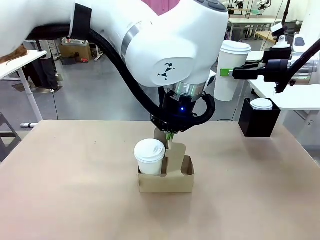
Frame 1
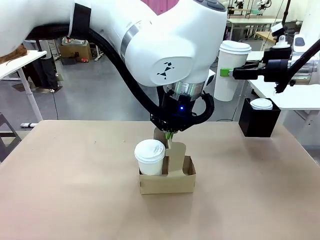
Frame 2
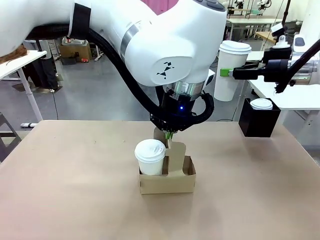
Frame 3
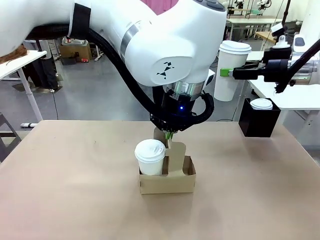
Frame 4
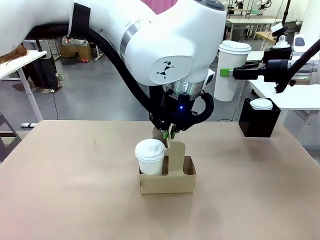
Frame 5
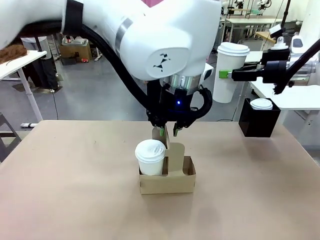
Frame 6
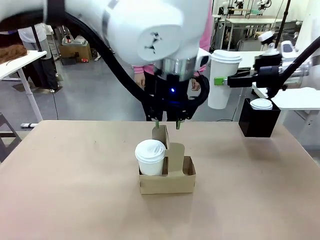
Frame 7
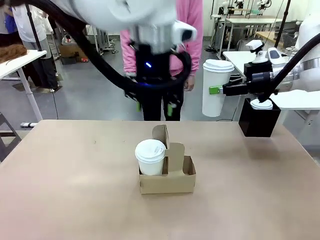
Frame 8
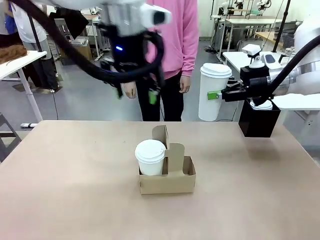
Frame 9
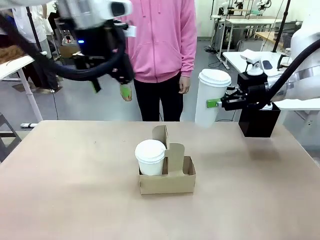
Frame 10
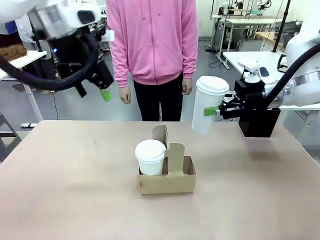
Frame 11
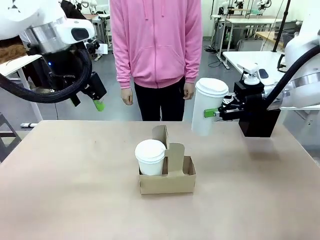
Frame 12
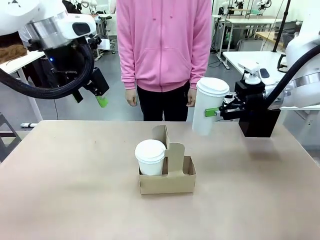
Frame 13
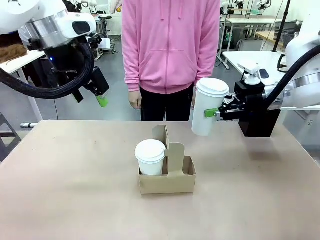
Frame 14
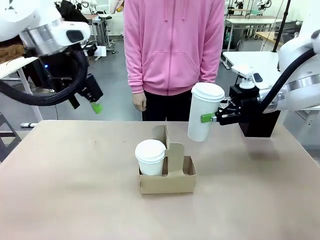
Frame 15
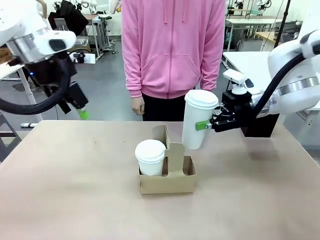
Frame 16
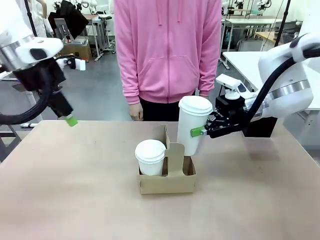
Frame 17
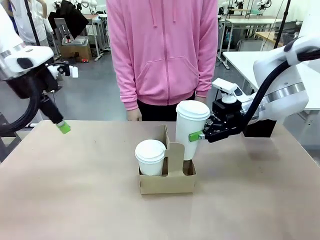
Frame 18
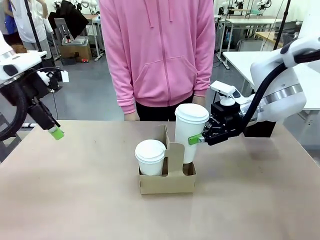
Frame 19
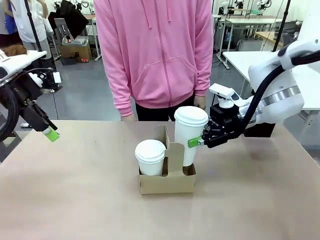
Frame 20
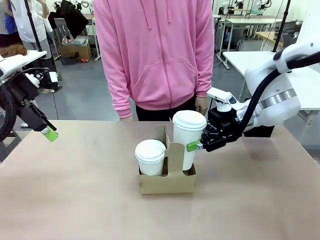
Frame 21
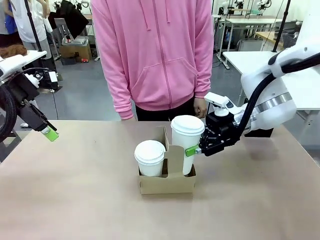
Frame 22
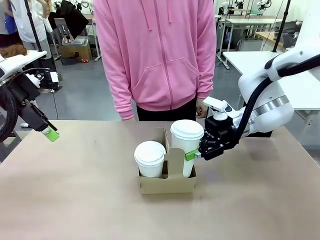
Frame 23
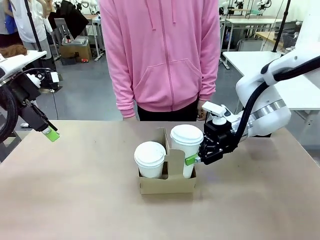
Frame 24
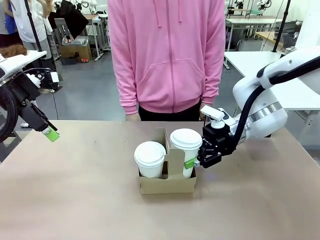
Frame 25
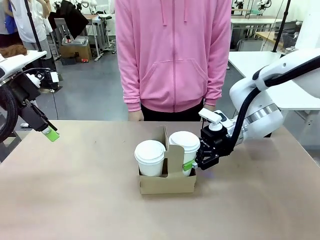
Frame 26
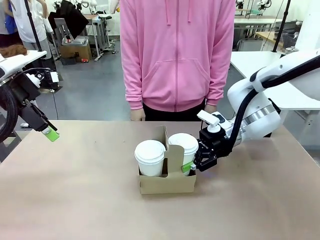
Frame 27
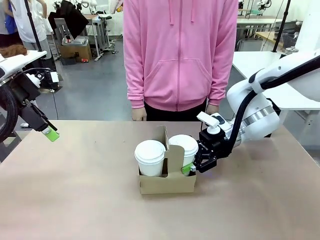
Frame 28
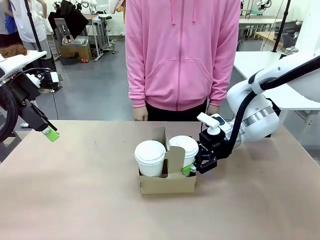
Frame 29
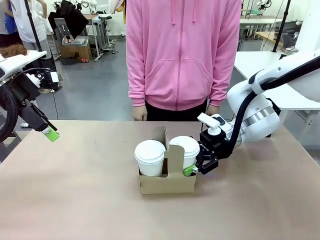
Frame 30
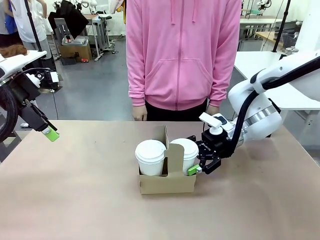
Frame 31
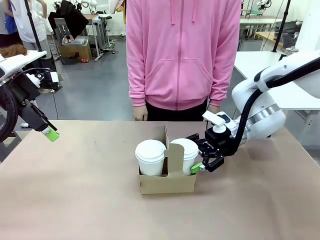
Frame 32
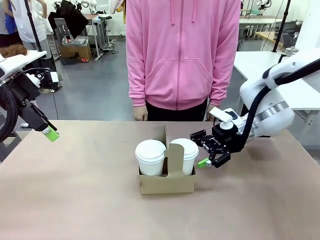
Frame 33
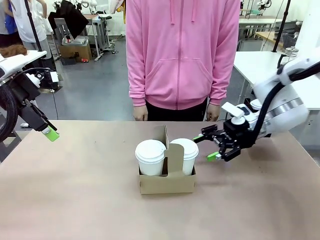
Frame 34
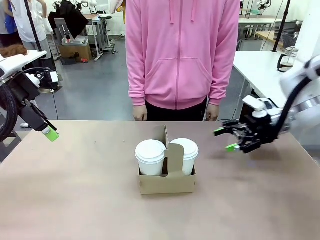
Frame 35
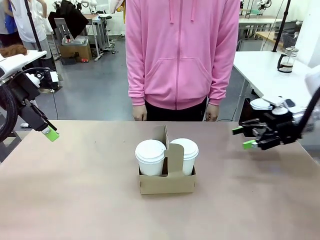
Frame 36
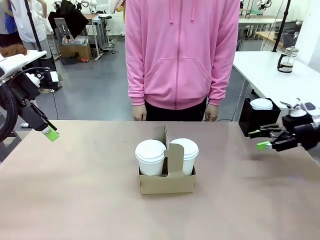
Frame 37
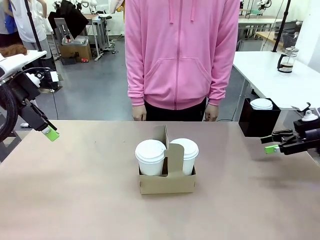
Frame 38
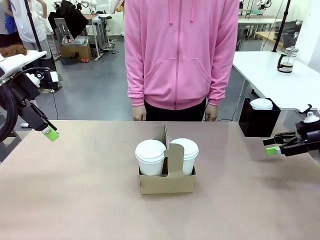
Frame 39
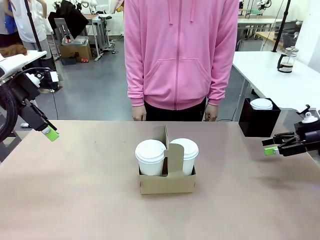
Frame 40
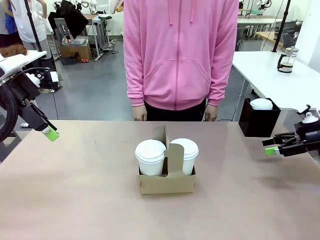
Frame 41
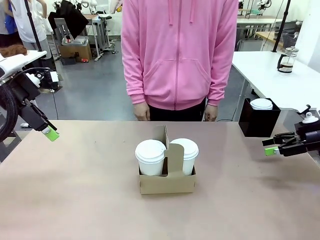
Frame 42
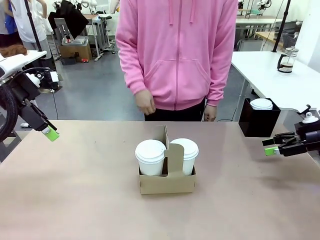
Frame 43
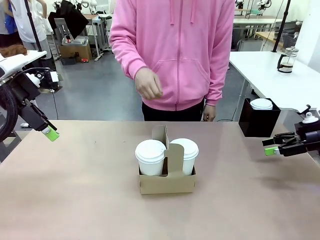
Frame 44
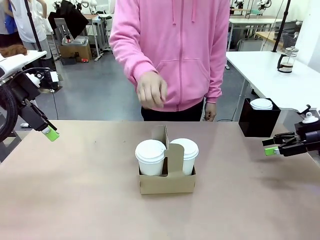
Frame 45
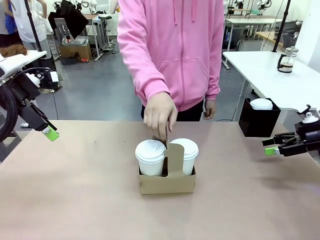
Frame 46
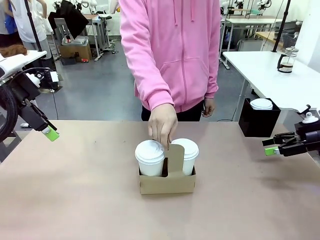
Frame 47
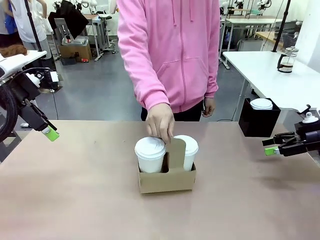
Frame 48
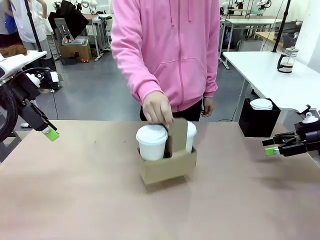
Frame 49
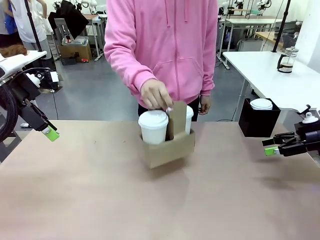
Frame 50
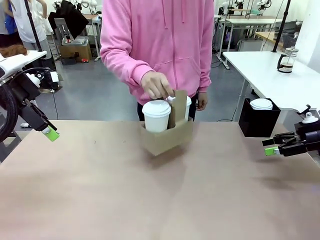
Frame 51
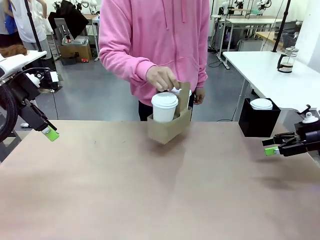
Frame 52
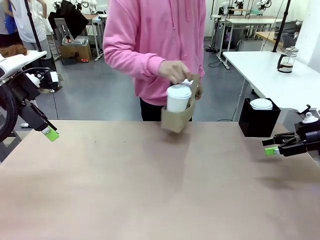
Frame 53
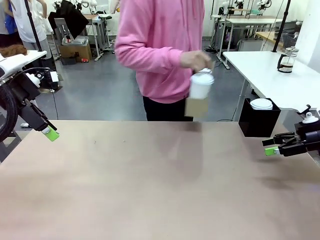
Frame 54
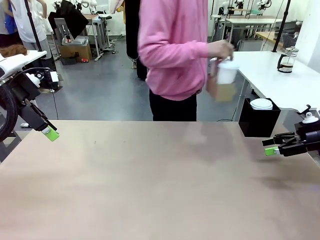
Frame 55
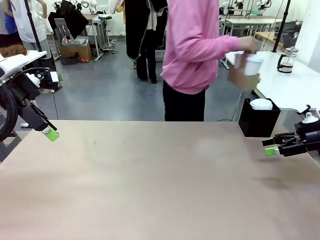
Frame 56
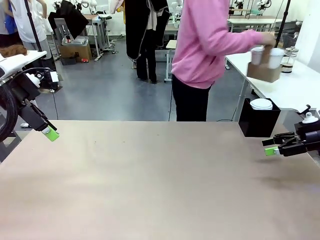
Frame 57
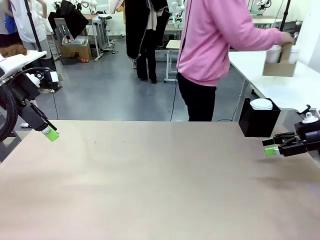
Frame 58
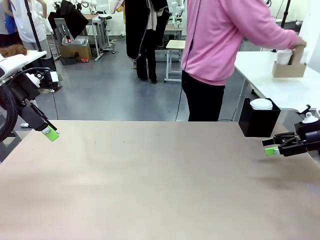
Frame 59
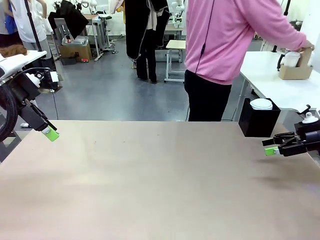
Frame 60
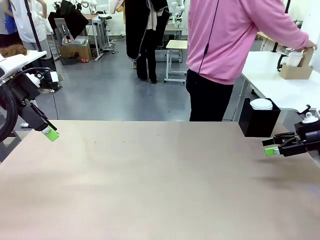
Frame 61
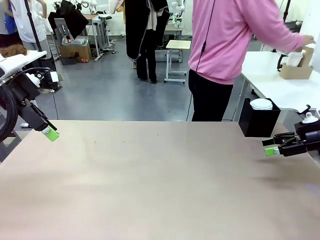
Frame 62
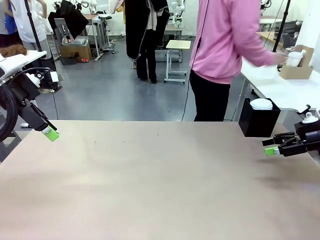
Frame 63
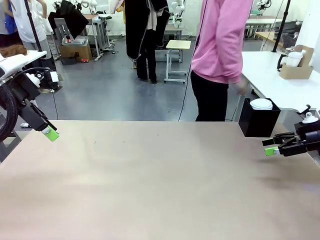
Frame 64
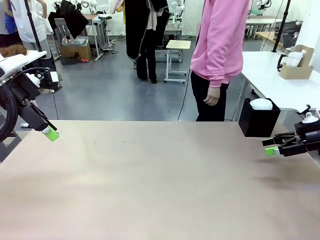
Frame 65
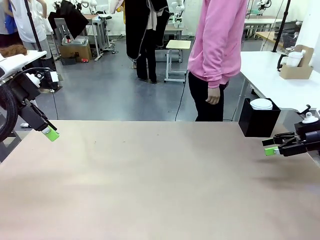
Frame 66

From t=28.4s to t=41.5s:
Task: Pour a drink into a cup and package it in a carrier.
Robot: Insert the held 600 ml Paper Cup into the Cup Carrier.
Person: Place the Cup Carrier to the middle of Human table.

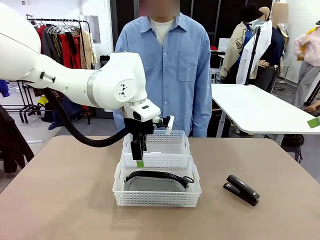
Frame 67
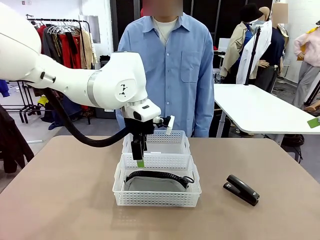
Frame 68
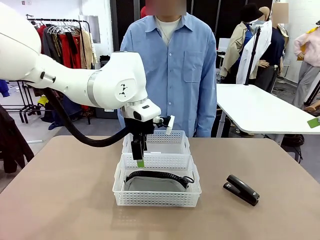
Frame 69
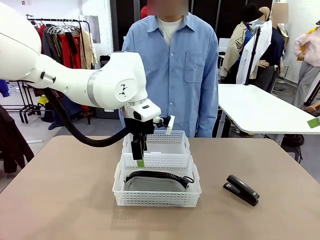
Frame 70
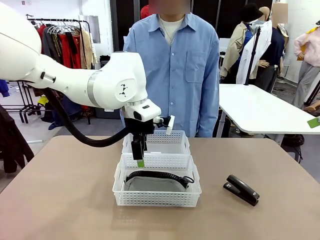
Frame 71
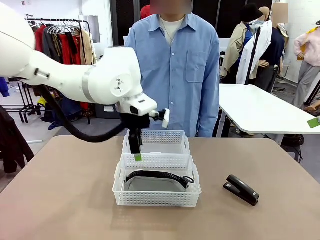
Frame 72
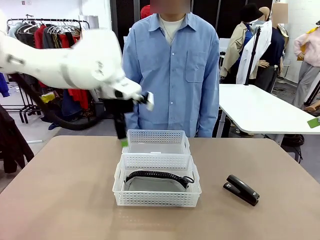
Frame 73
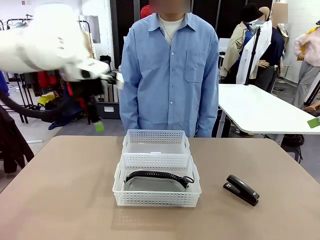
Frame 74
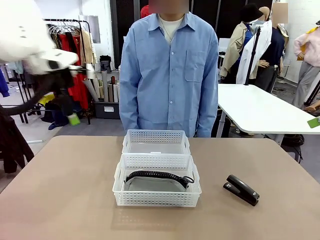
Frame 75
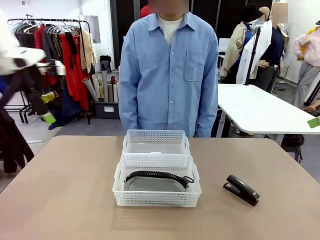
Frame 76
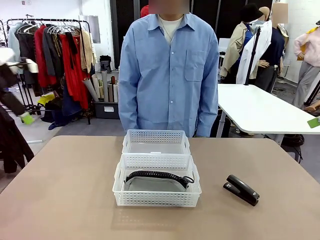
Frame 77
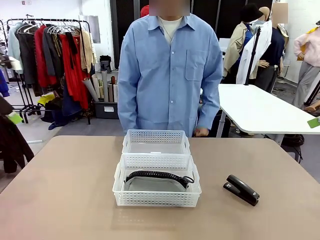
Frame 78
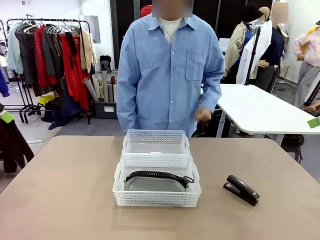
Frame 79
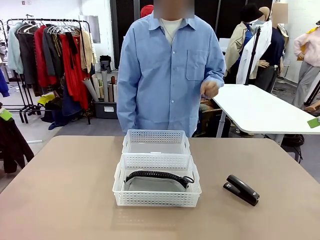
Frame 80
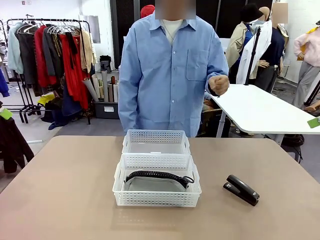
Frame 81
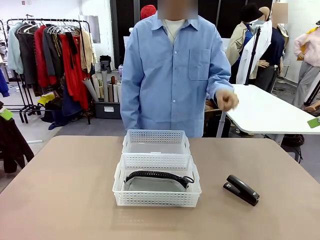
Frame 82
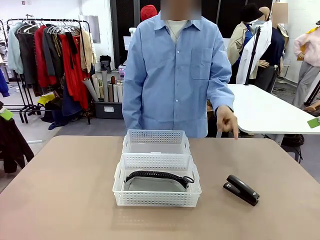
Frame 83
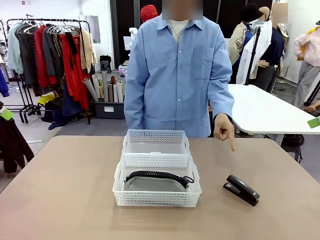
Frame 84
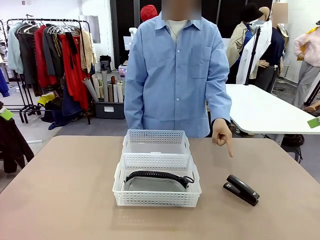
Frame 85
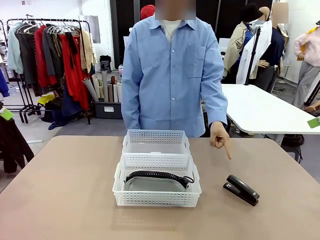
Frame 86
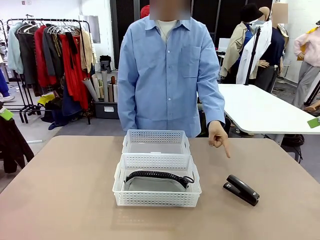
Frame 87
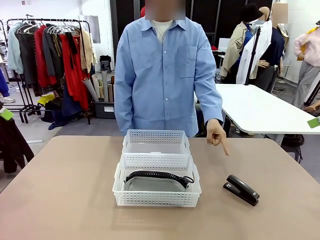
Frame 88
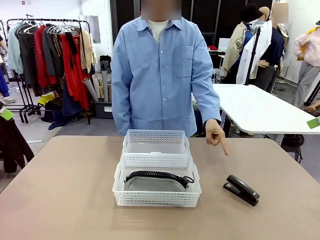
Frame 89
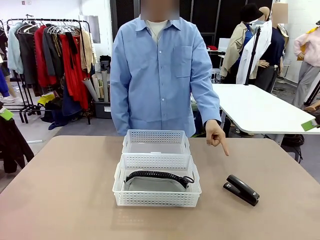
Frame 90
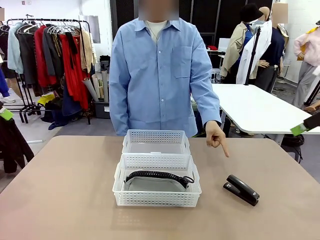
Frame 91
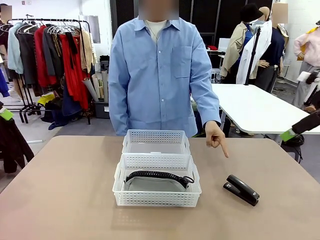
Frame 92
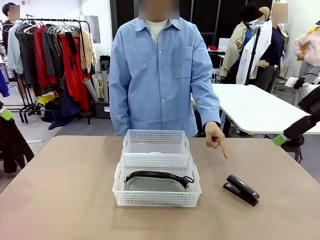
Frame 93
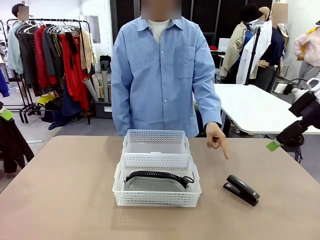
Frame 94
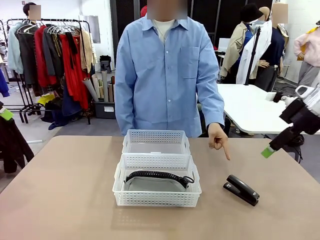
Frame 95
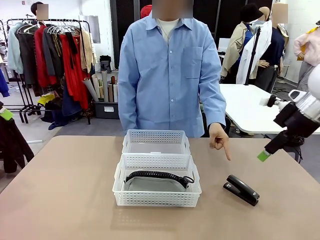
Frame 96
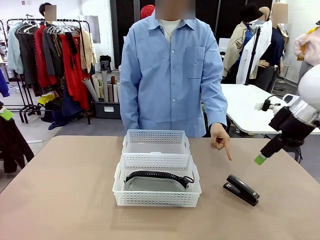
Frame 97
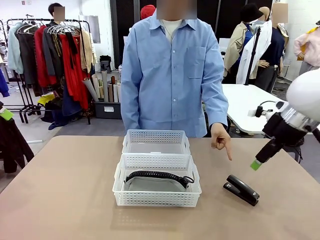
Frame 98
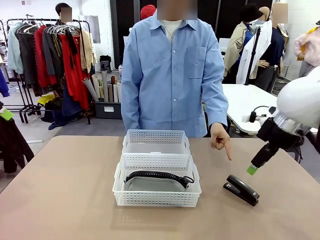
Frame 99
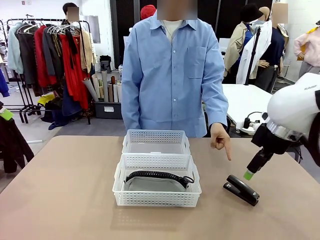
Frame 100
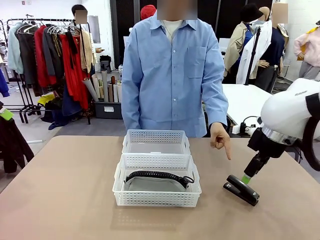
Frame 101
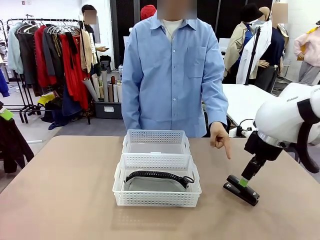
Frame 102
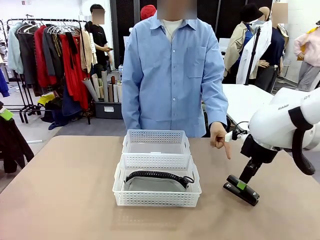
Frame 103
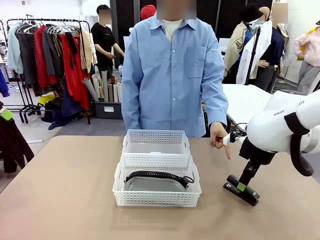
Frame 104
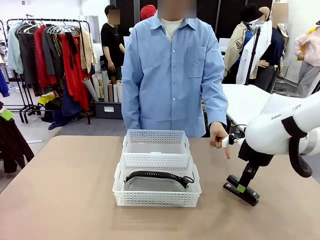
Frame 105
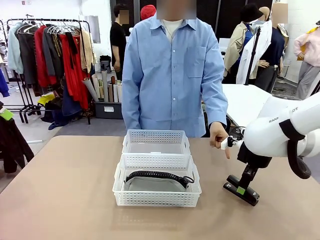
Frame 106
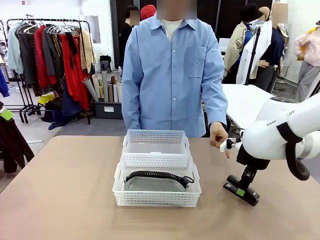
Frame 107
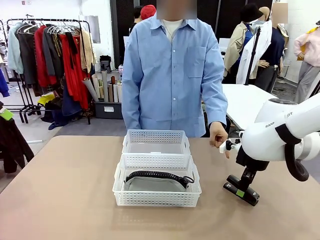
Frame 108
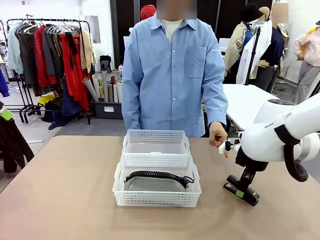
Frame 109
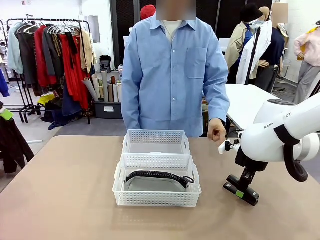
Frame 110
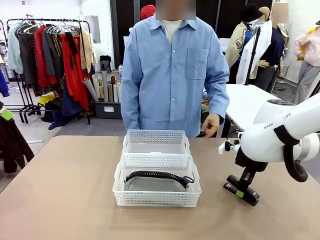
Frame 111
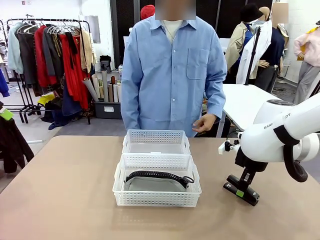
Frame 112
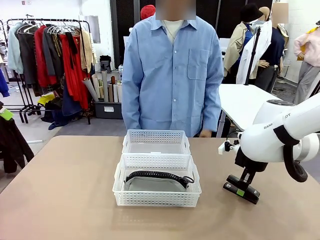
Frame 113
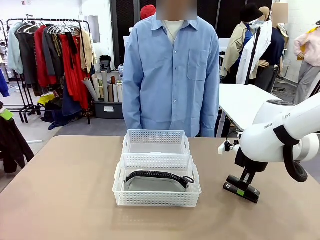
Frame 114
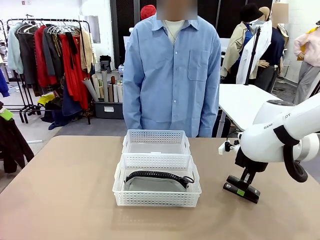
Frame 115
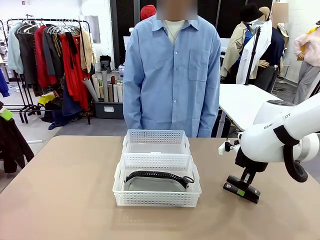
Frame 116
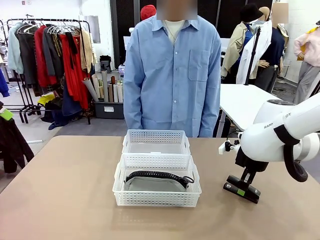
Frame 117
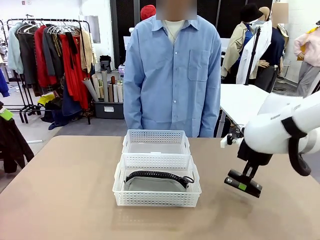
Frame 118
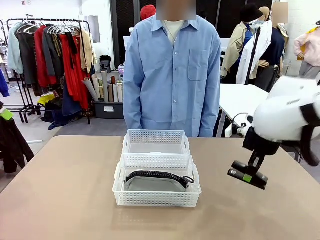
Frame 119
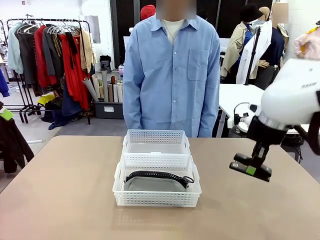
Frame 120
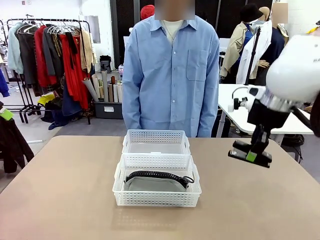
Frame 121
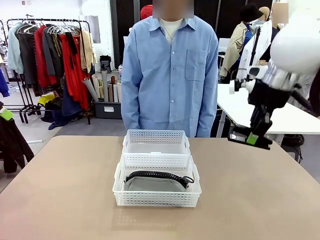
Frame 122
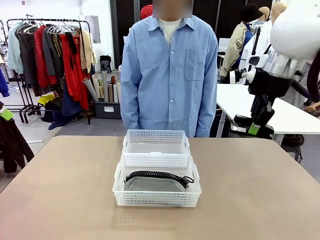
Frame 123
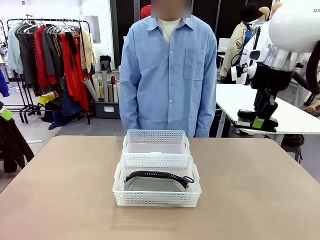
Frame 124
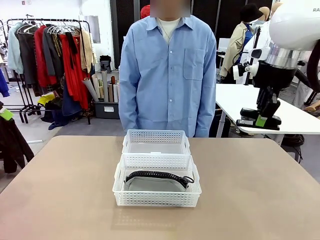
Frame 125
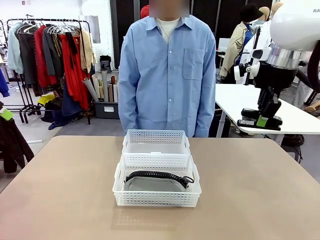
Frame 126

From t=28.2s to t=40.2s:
Task: Distribute items into two baskets.
Robot: Pick up the Stapler that the person points to.
